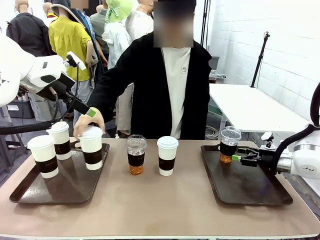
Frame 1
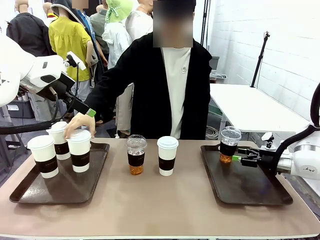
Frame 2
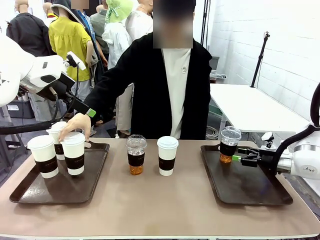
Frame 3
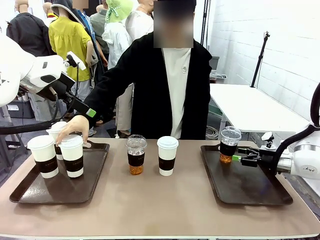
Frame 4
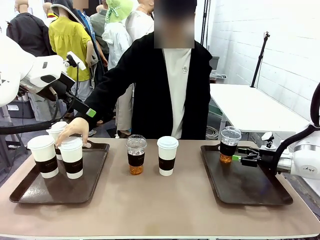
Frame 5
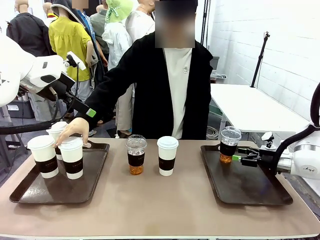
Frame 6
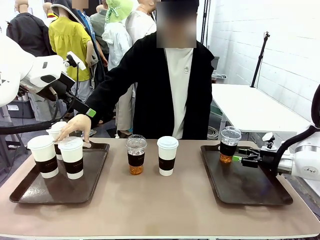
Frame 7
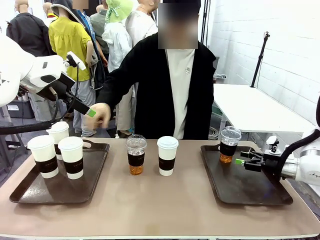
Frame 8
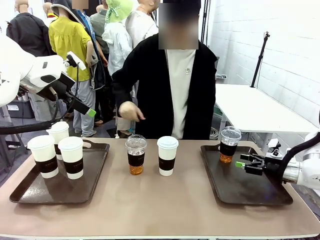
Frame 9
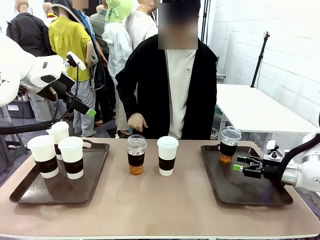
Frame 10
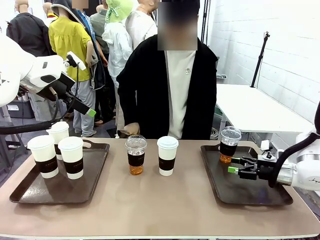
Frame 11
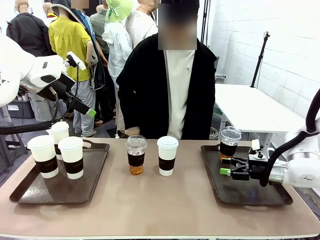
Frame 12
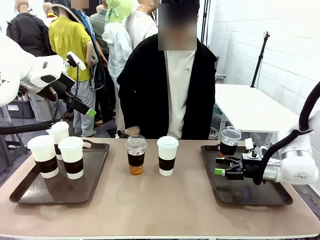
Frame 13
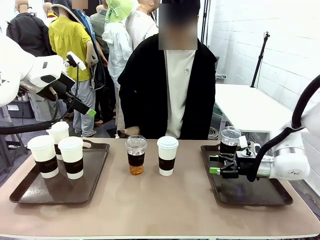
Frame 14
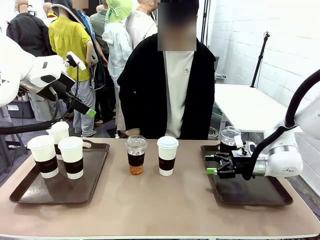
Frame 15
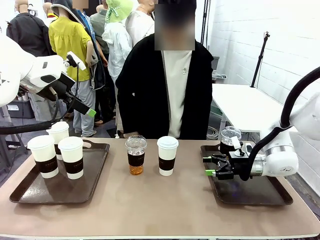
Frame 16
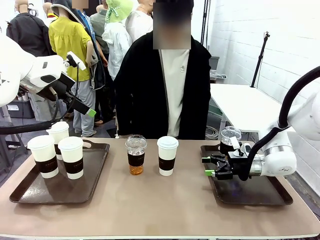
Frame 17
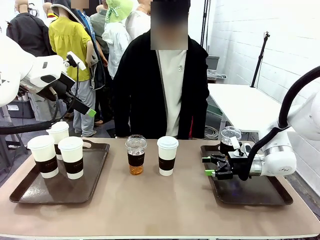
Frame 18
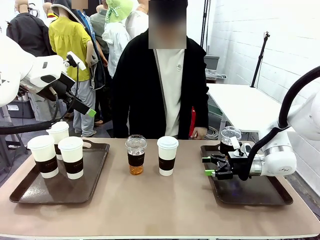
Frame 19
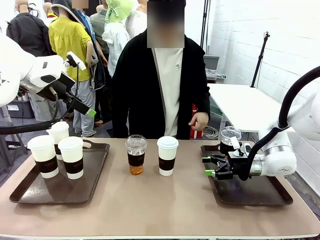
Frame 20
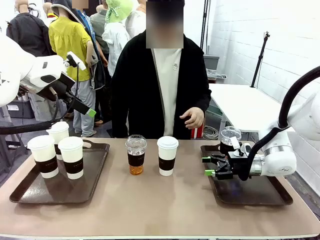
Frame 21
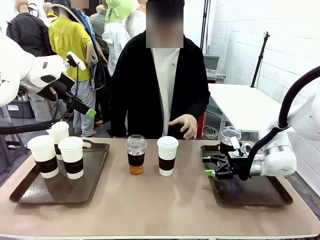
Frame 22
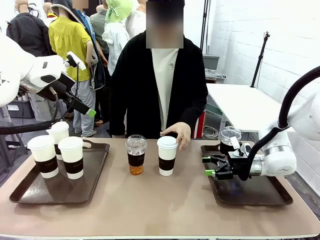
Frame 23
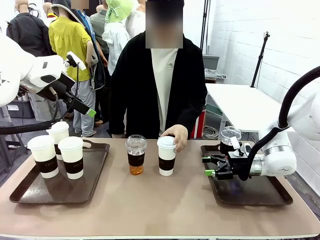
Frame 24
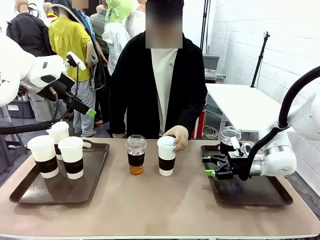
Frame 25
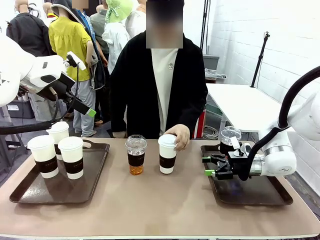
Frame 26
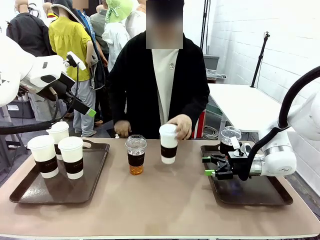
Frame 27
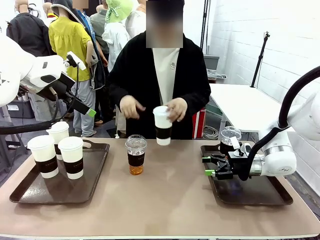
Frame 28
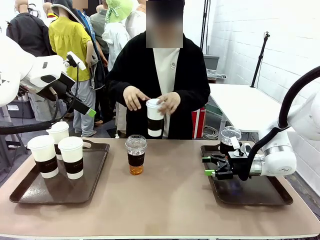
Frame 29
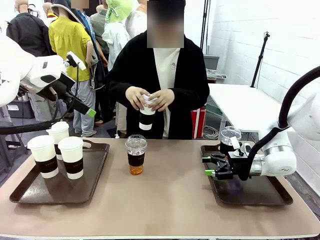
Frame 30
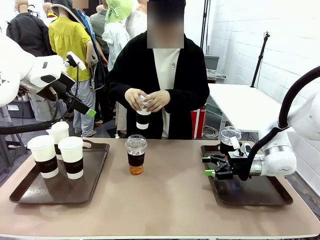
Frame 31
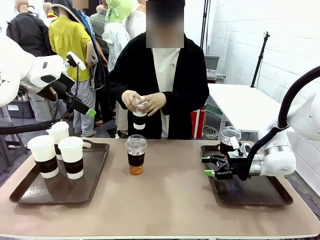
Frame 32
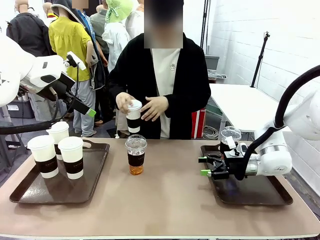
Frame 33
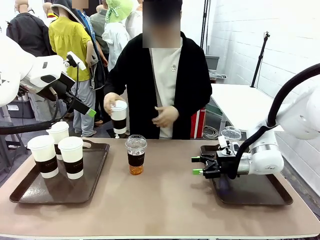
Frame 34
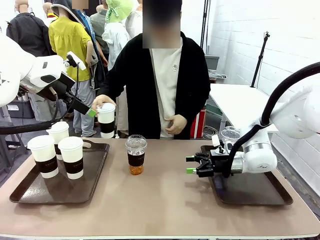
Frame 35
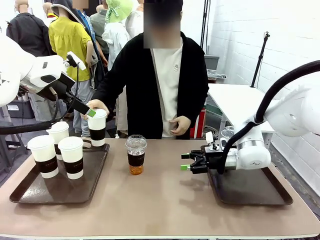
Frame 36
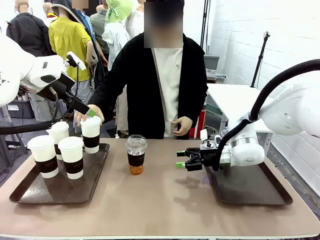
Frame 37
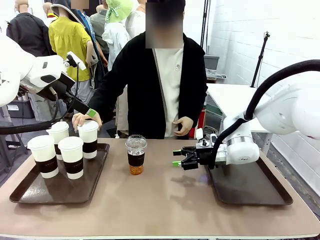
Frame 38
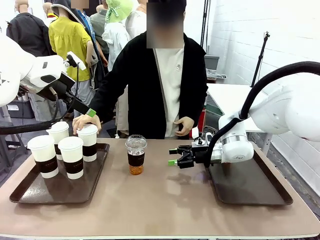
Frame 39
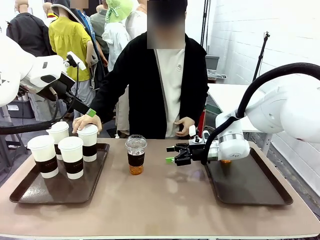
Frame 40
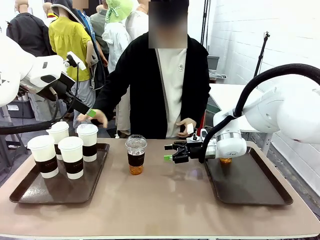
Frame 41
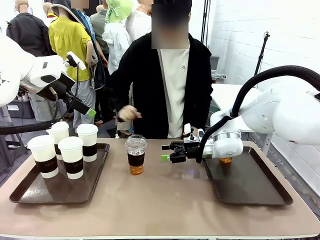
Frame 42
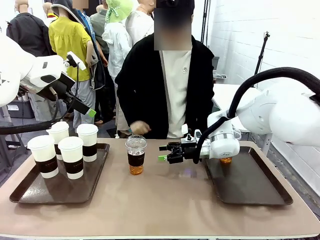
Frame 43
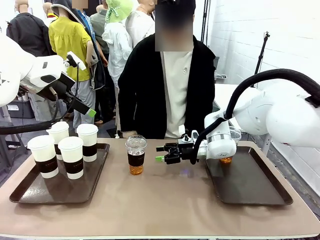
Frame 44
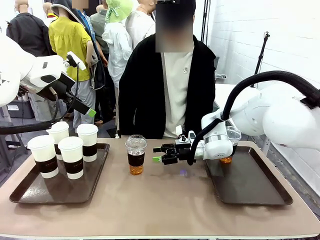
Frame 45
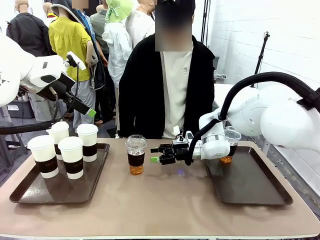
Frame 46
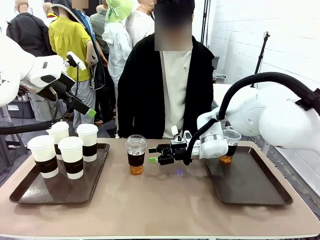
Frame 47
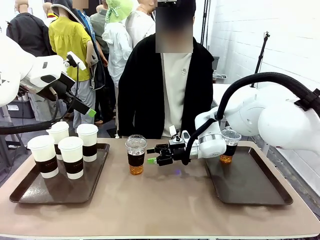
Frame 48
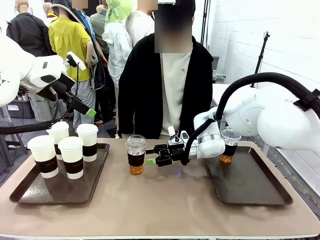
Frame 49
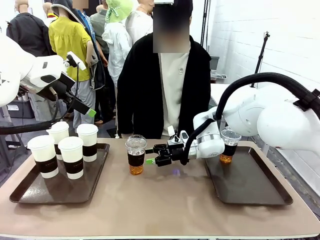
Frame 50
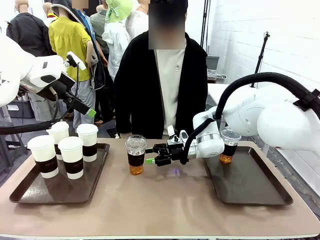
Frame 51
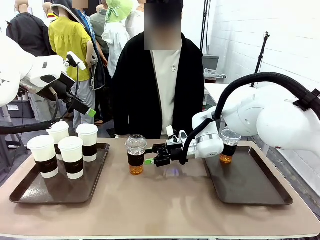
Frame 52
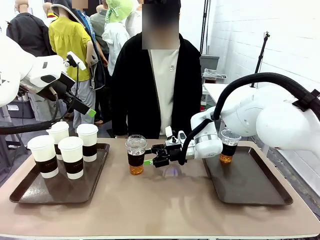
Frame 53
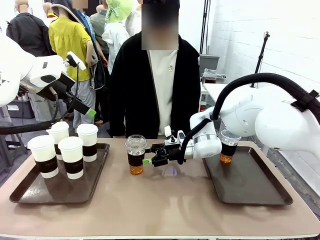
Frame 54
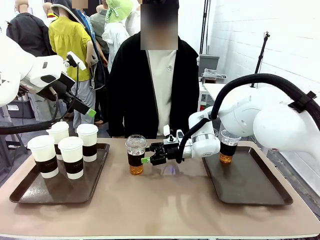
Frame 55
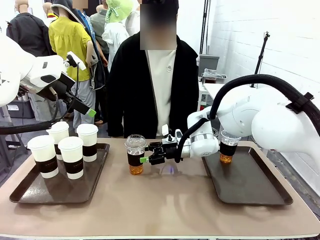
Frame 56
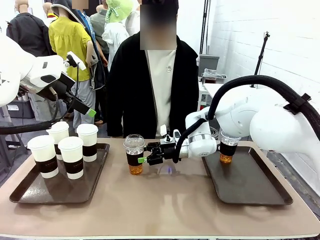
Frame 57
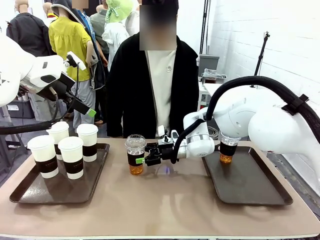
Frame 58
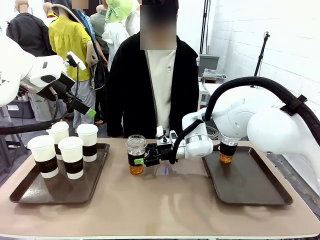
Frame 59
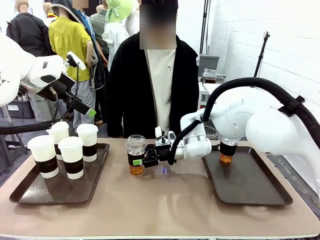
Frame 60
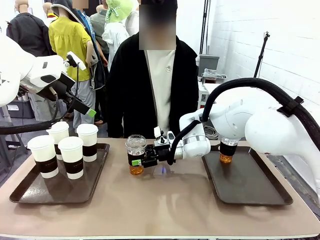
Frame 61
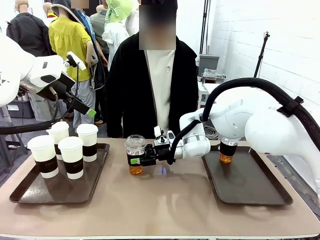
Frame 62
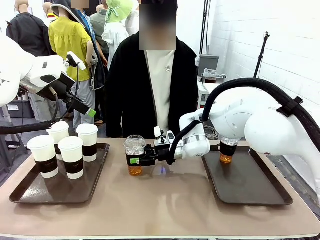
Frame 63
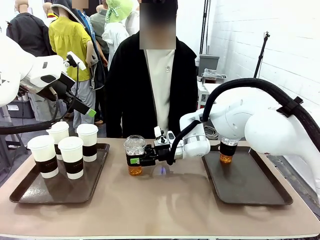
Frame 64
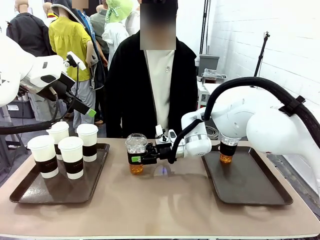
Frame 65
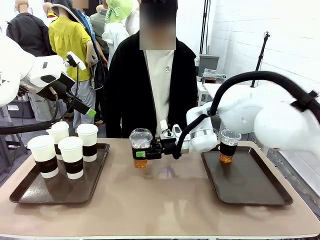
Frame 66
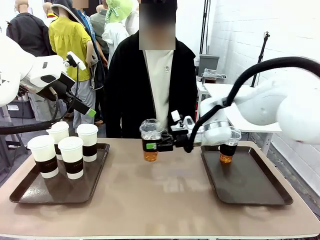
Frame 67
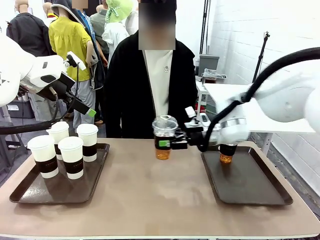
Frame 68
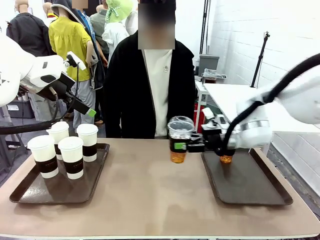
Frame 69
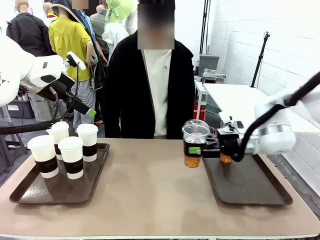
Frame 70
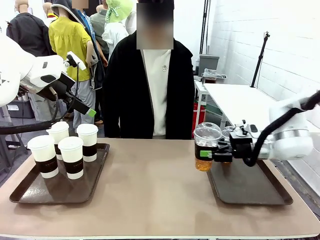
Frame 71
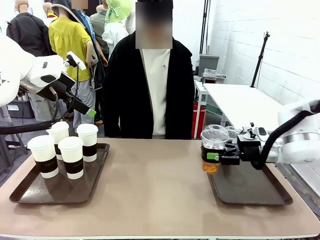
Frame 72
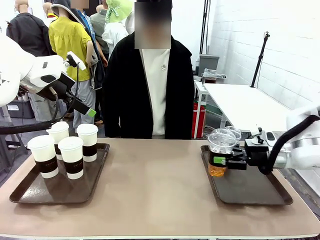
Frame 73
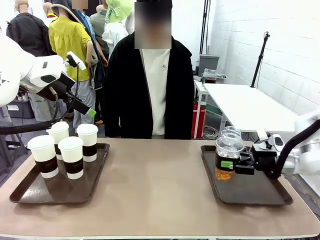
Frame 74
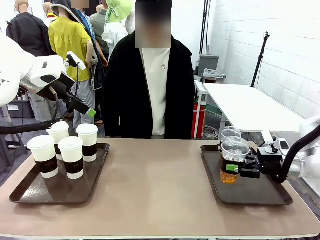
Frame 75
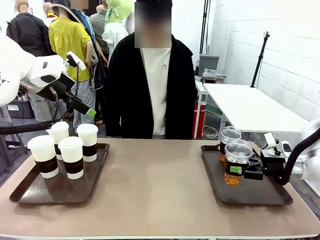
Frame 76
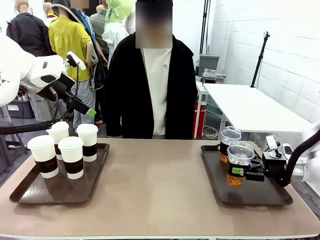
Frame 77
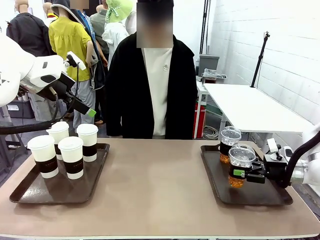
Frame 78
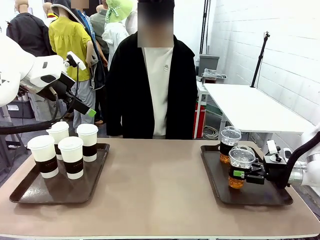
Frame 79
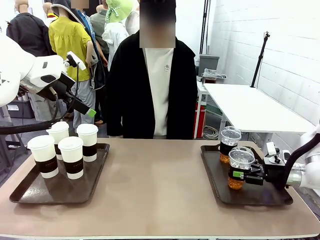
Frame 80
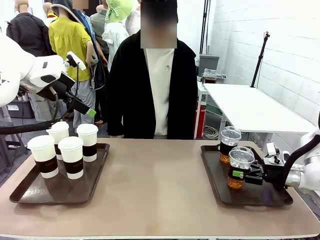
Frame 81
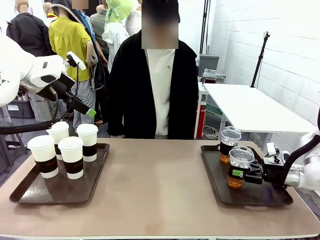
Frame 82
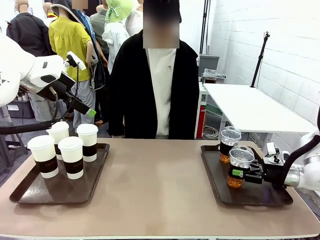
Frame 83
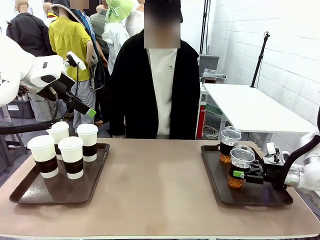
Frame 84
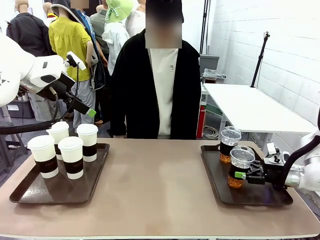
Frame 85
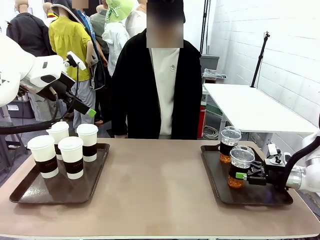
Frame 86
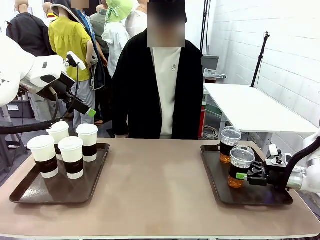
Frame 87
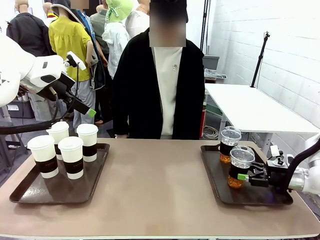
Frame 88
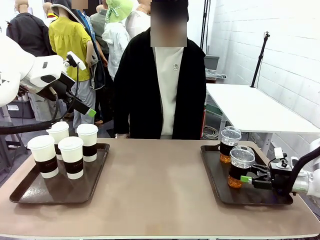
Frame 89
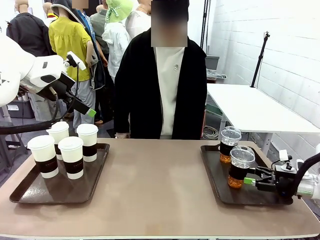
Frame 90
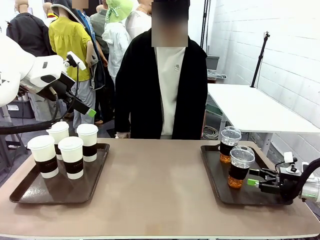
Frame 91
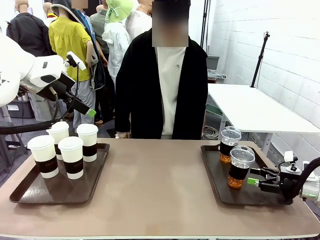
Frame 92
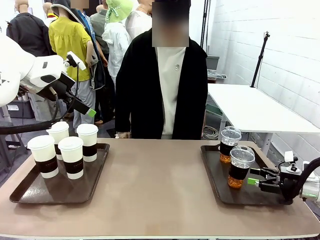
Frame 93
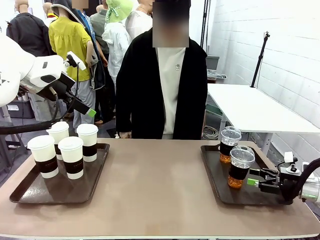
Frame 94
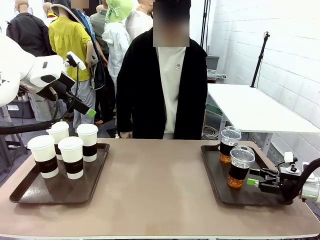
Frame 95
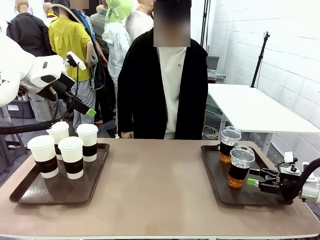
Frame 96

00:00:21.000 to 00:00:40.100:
Task: Distribute the coffee onto the tray.
Robot: Pick up another iced Americano from the middle of the table and place it on the right Handle tray.
Person: Pick up a cup of hot Americano from the middle of the table and place it on the right tray.
